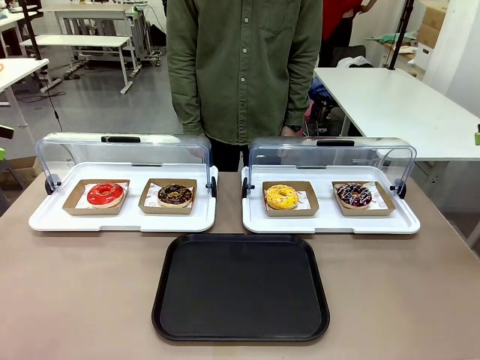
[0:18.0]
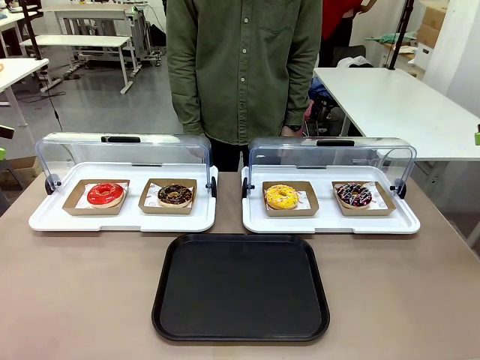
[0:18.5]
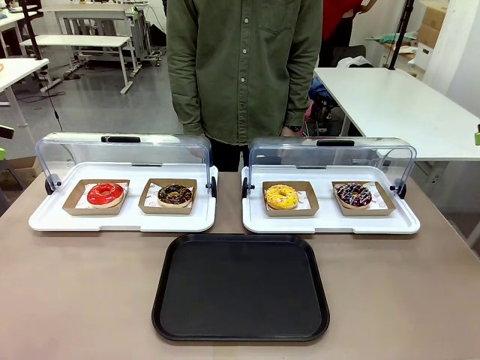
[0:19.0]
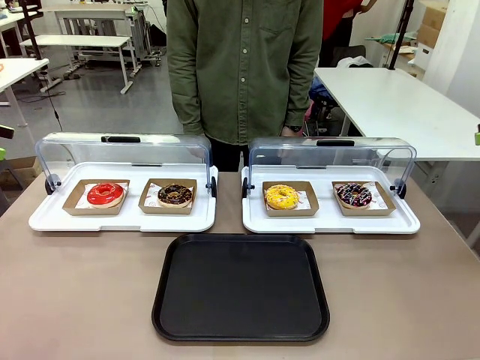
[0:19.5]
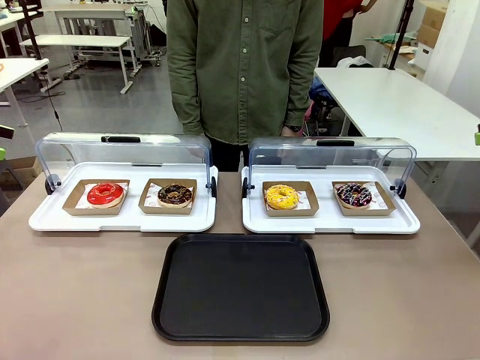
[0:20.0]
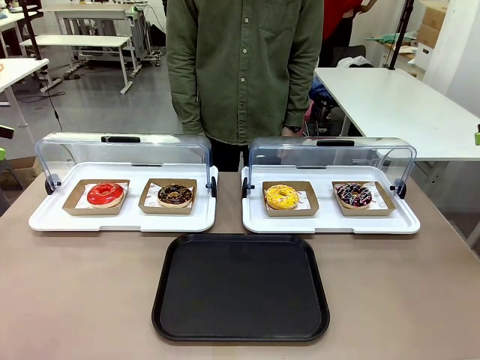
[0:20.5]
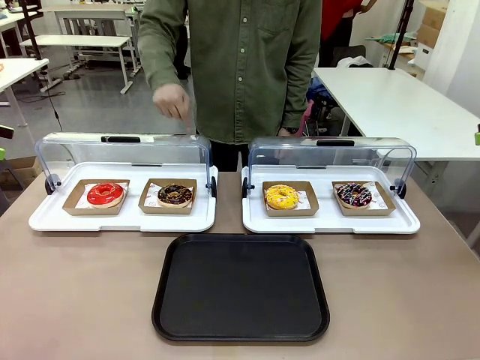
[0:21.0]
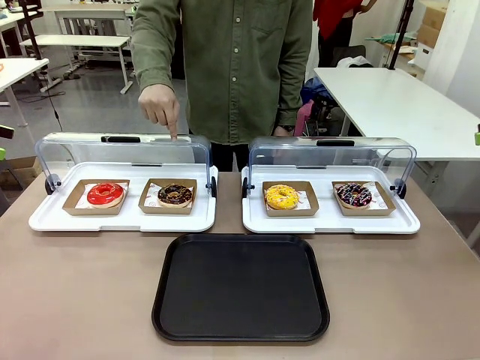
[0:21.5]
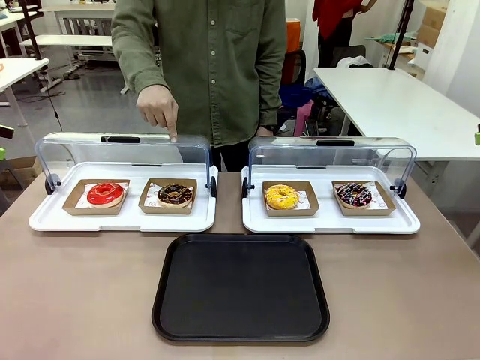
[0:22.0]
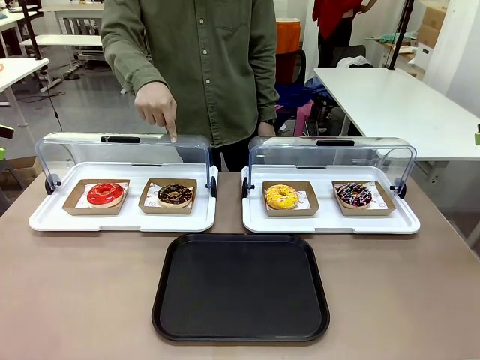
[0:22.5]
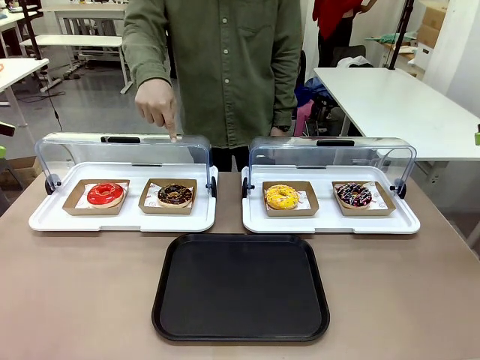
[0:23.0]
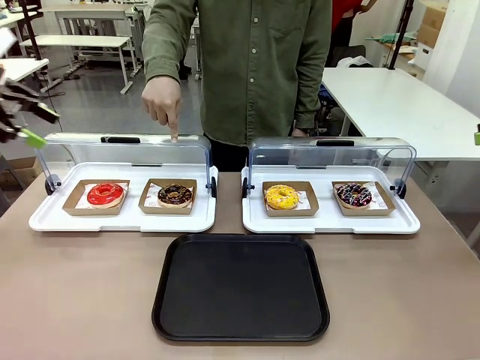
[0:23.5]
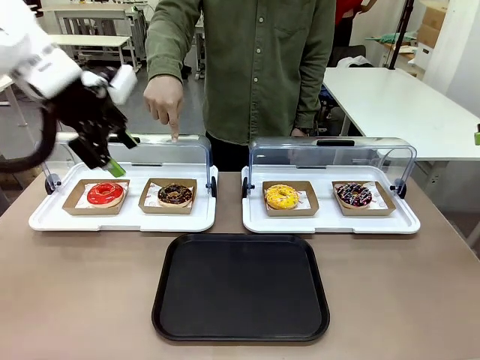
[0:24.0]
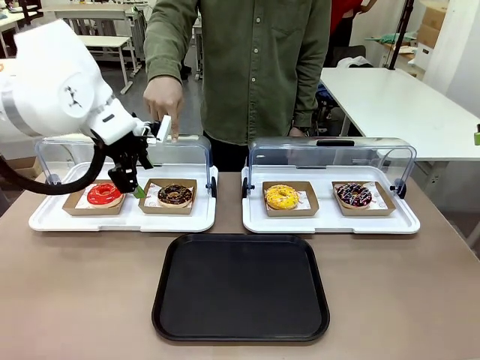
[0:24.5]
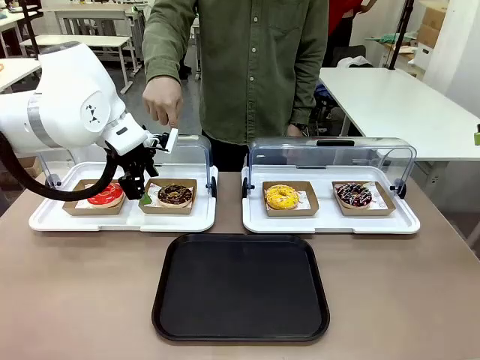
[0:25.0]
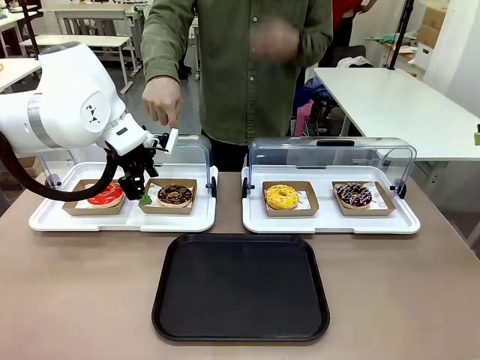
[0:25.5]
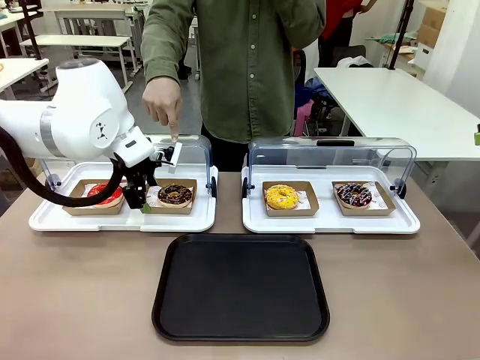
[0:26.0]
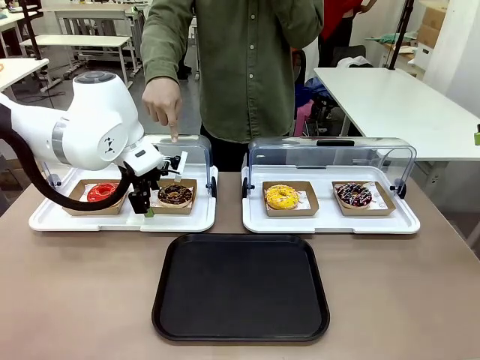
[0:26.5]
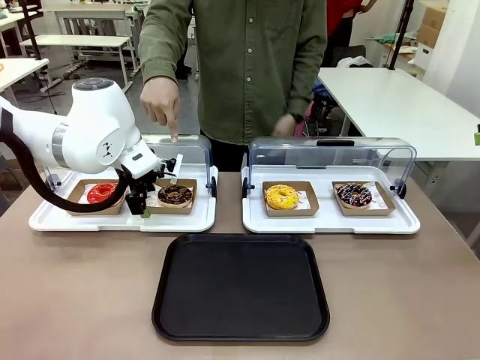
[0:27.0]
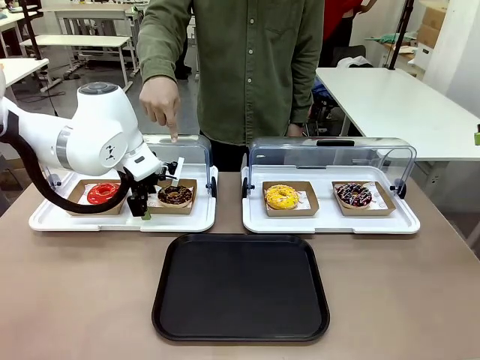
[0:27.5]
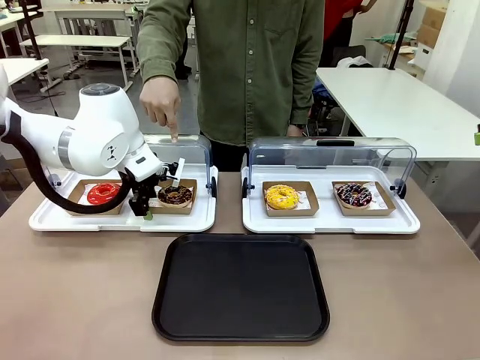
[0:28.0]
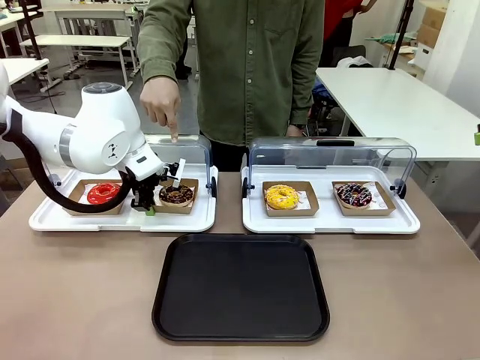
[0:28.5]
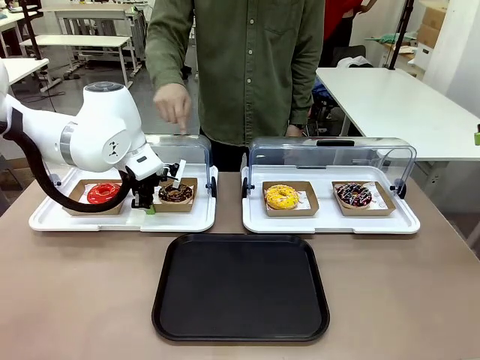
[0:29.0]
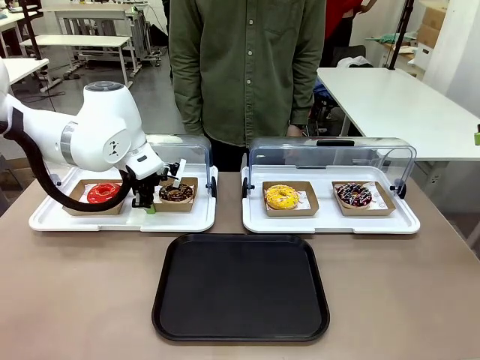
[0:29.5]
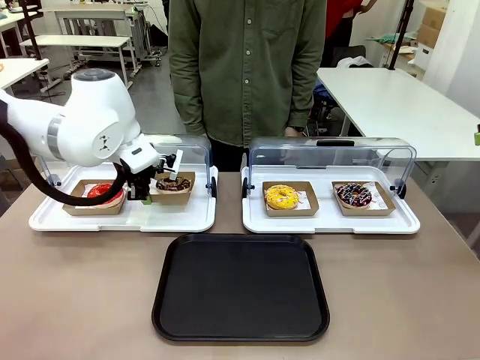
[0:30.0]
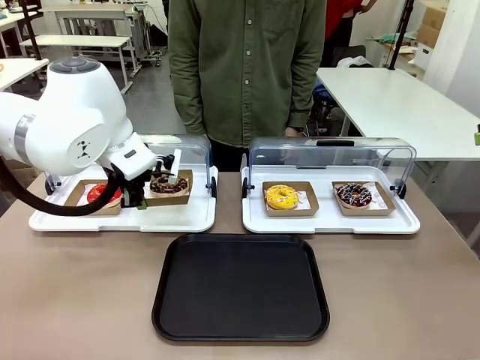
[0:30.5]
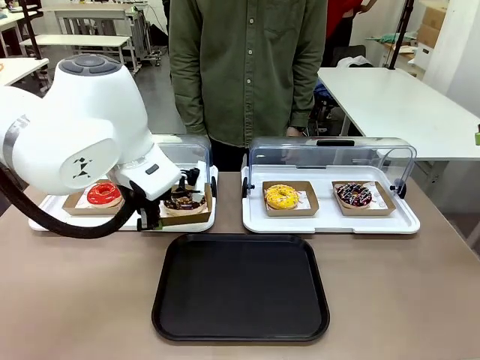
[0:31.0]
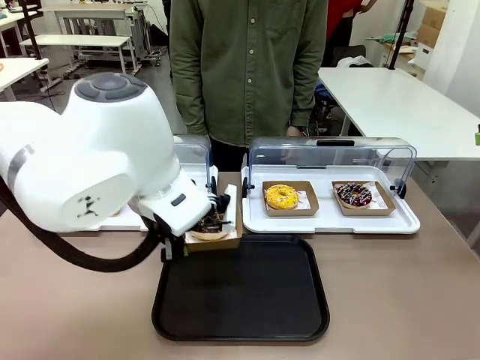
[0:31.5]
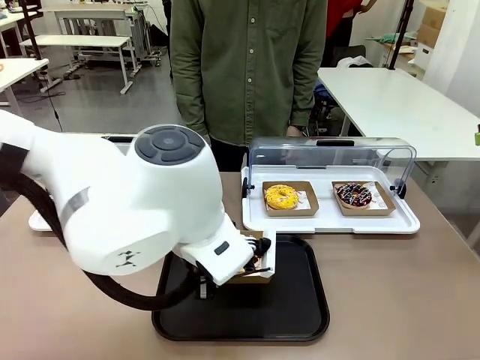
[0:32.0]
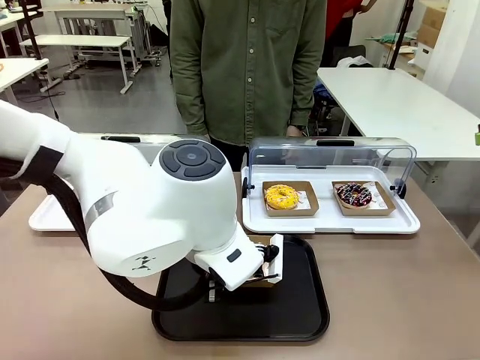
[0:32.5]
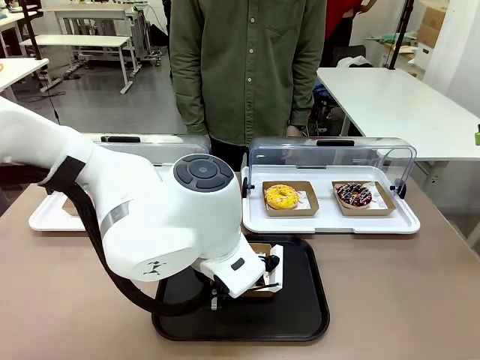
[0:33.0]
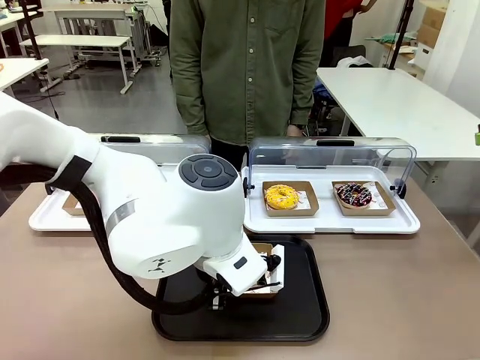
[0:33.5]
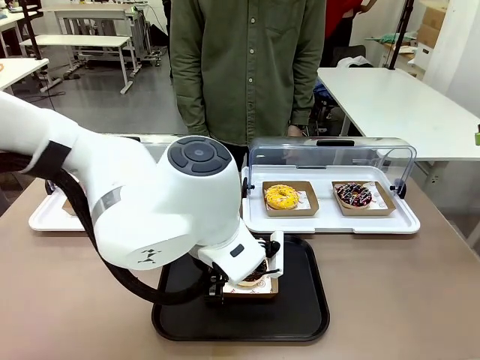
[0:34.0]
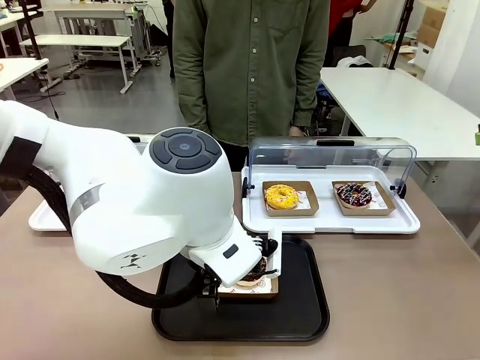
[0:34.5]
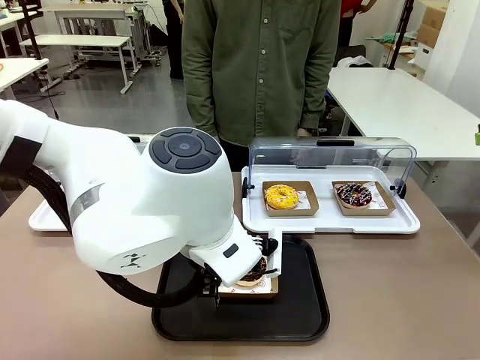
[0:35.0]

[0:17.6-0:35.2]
Task: Move the second donut from the left to the tray.
Robot: Pick up the Paper togo box containing the Donut indicated by the person and place it on the Handle tray.

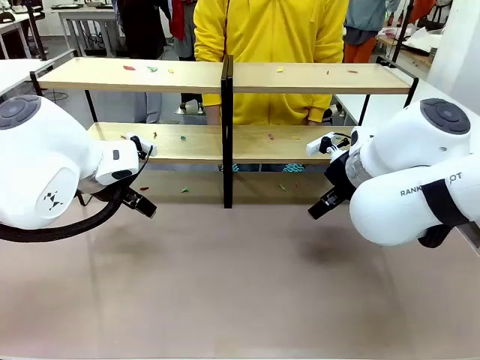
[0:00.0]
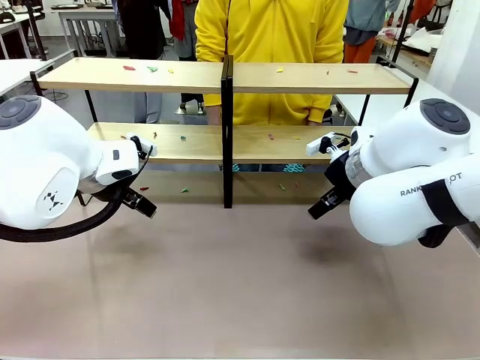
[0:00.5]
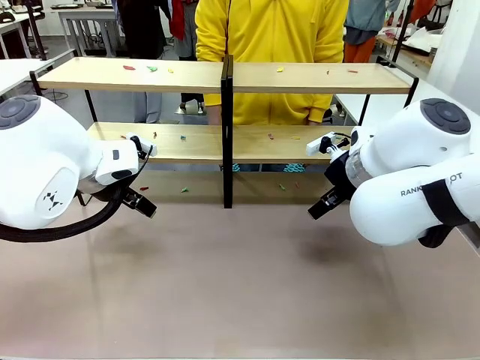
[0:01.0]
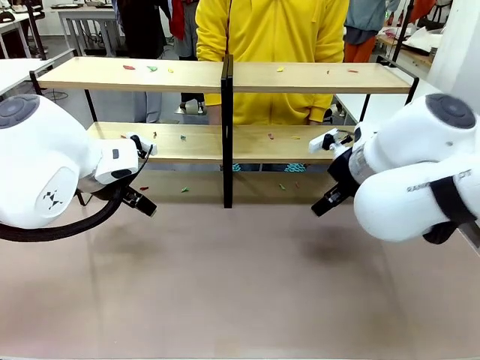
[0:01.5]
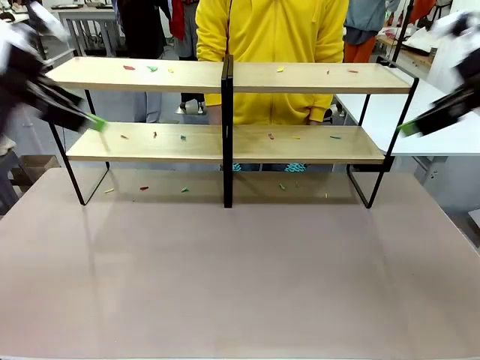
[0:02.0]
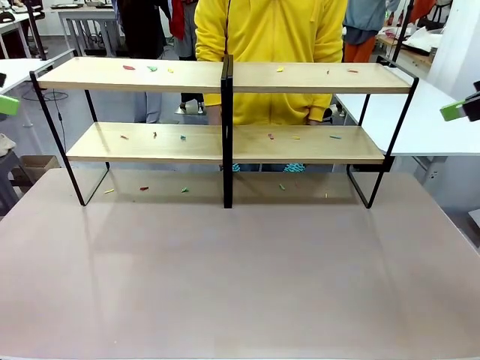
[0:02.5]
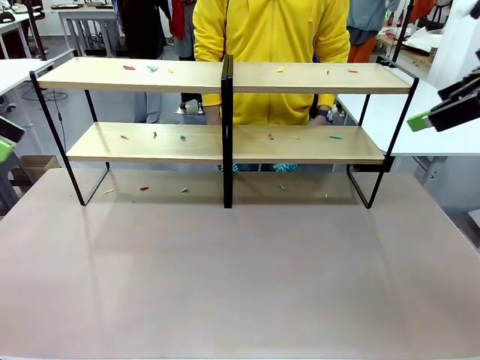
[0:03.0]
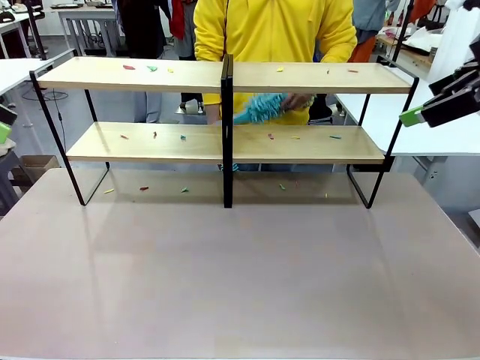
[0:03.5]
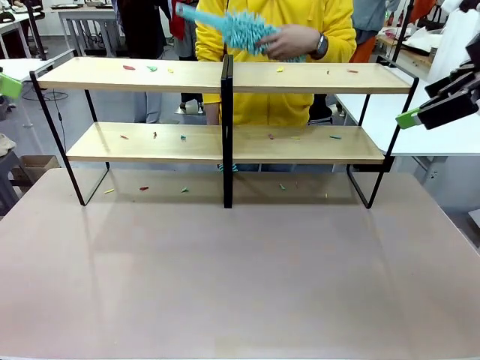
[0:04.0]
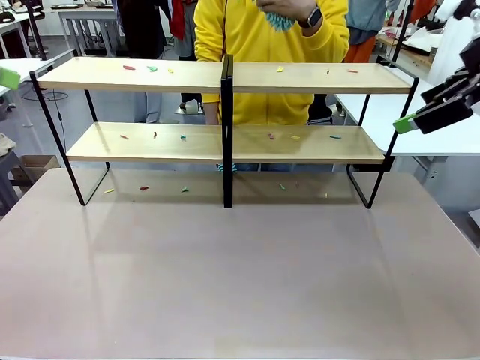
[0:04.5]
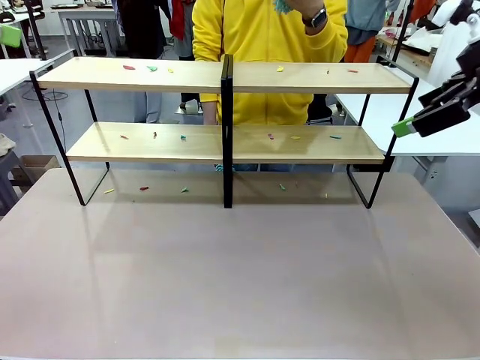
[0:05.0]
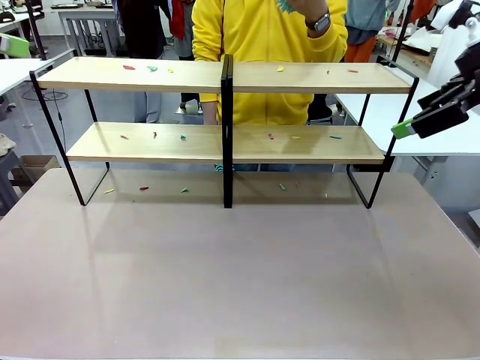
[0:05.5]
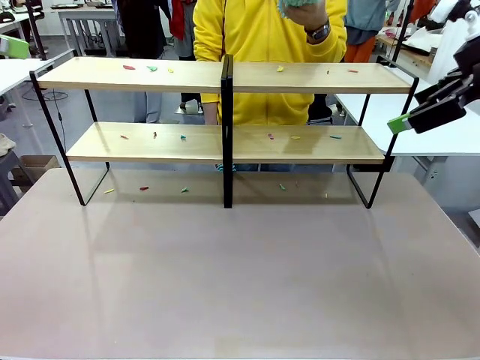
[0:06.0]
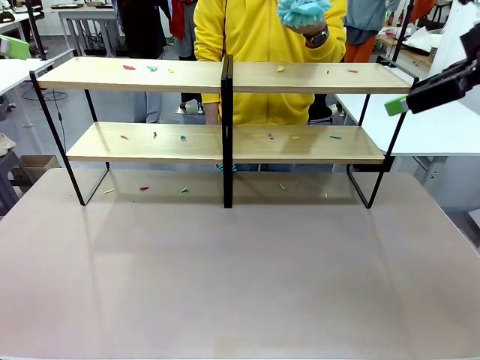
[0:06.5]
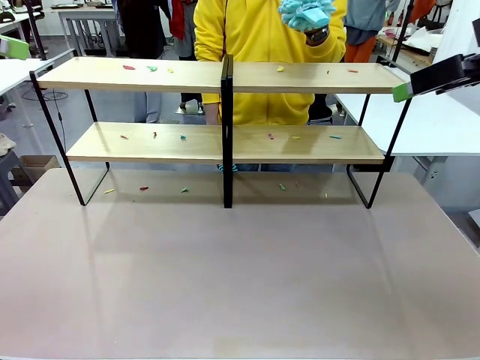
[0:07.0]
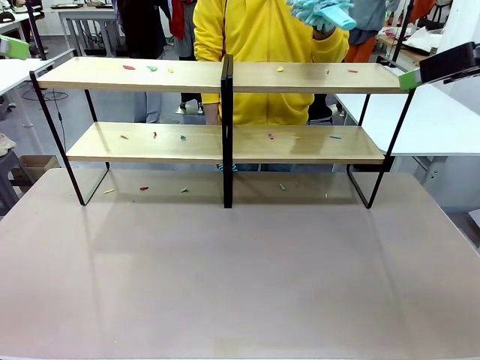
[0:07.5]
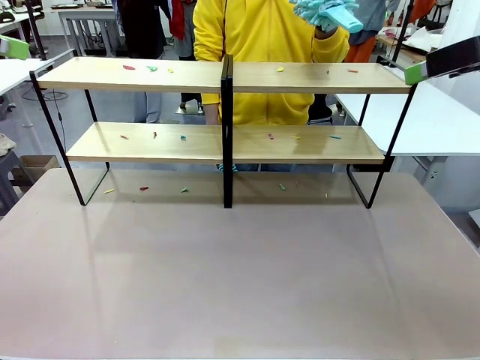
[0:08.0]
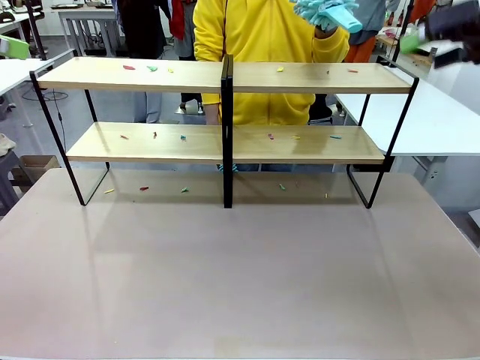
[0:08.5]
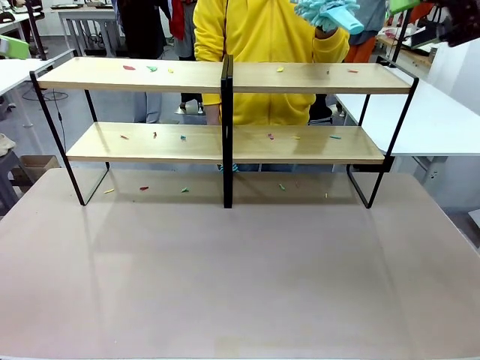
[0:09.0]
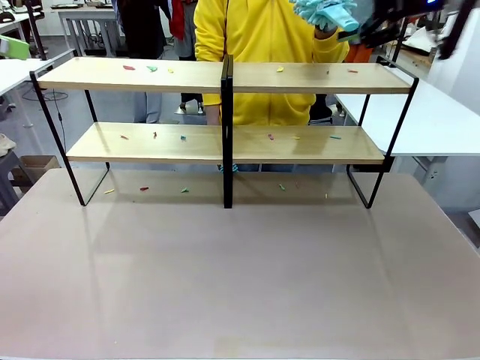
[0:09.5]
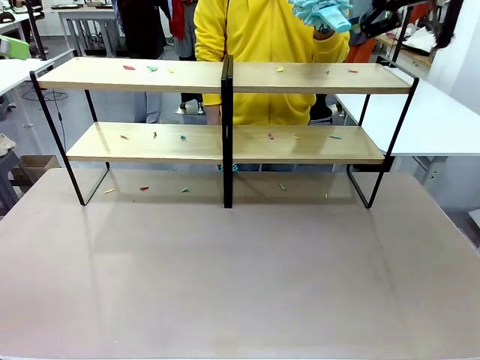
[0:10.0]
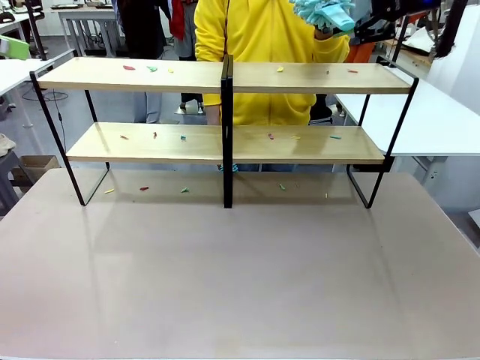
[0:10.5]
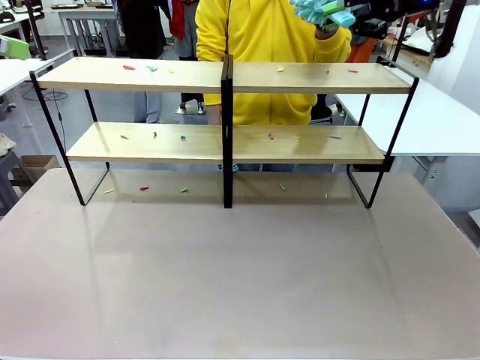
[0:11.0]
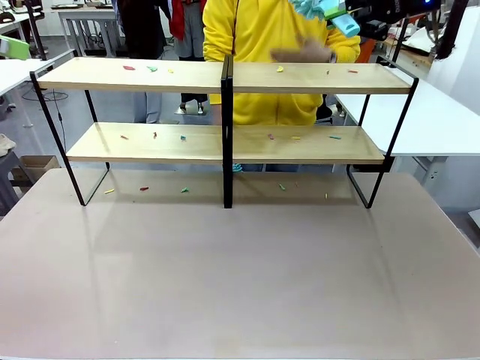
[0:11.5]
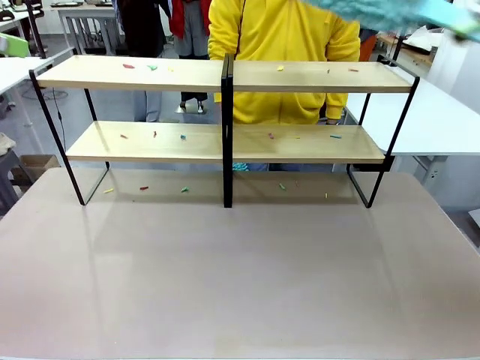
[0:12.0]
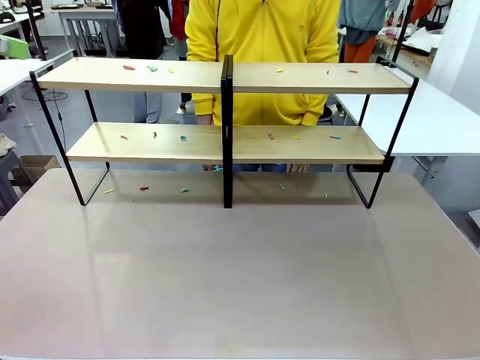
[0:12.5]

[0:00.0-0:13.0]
Task: Clean the shelves.
Robot: Pick up the Duster when the human hands it over.
Person: Hand the Duster to the robot with your right (or left) hand.
